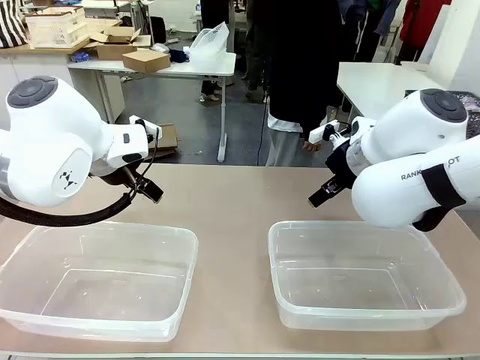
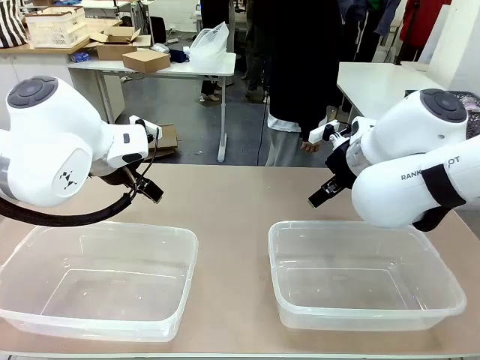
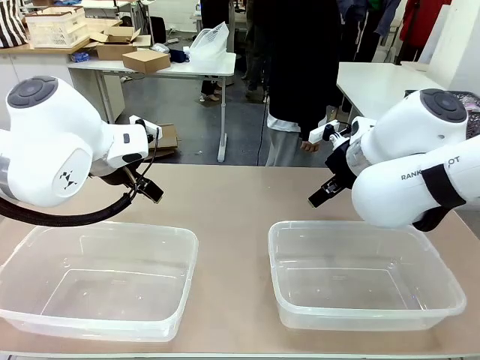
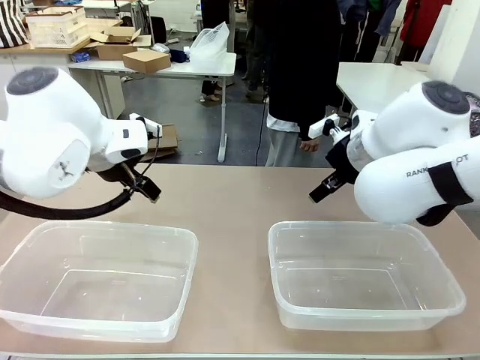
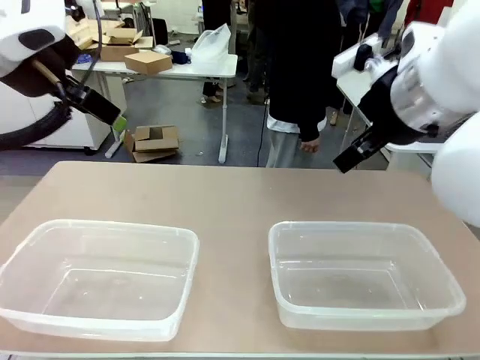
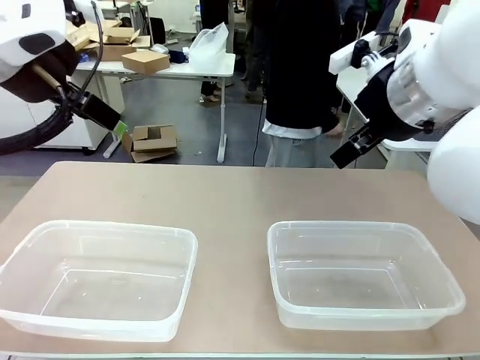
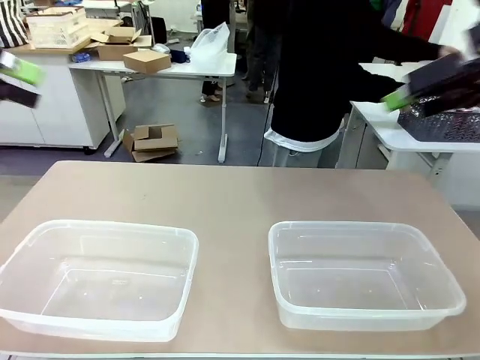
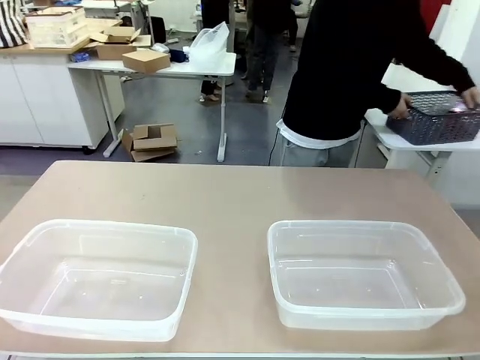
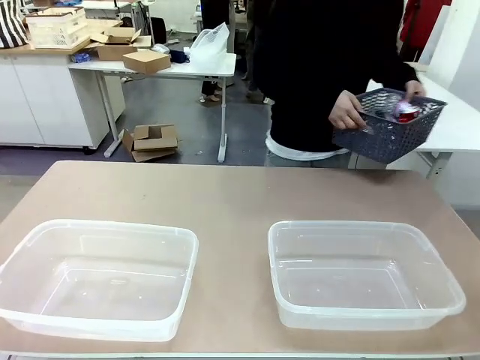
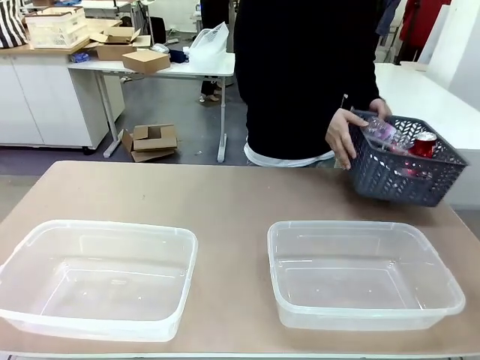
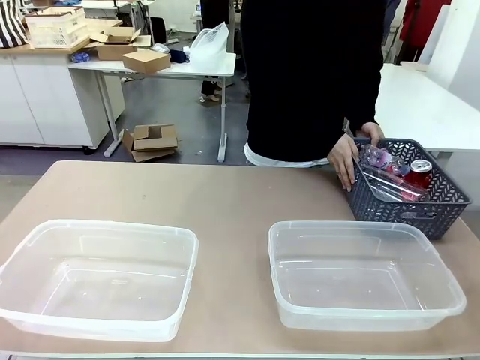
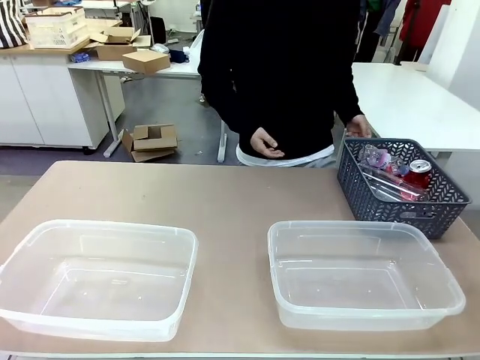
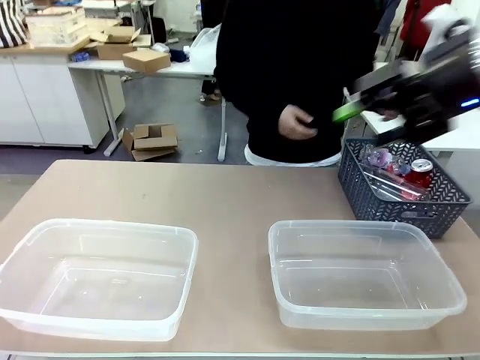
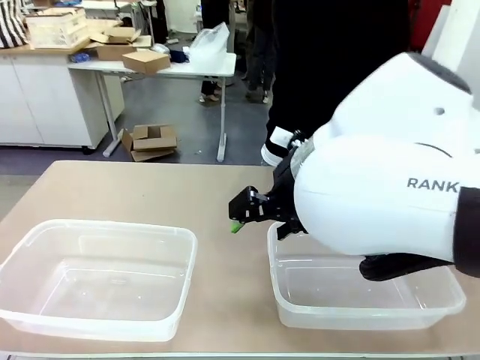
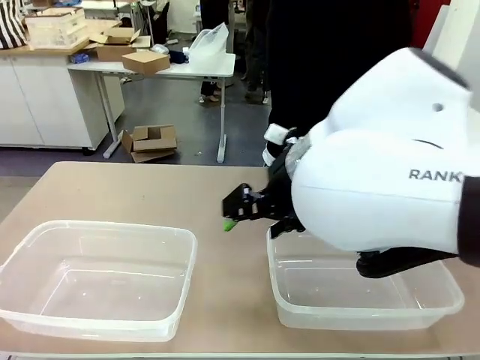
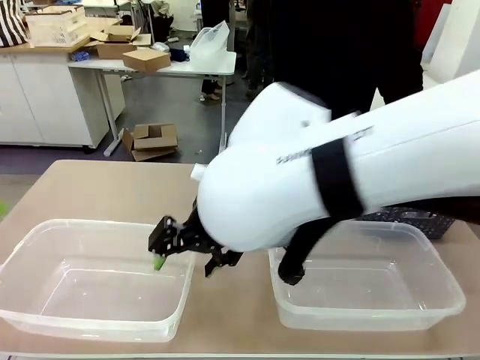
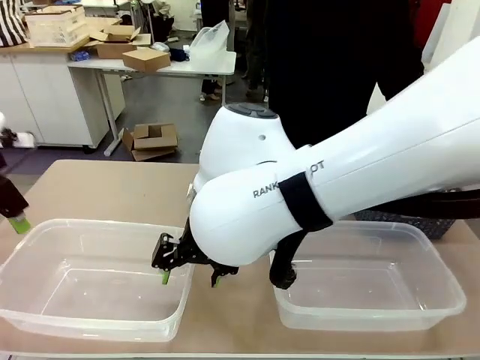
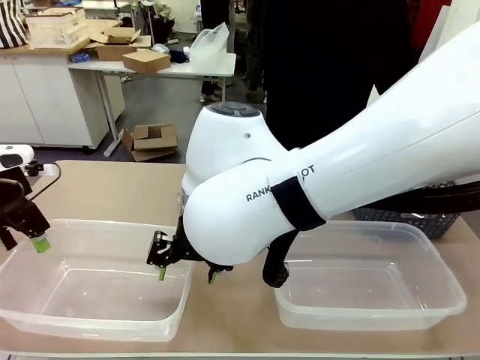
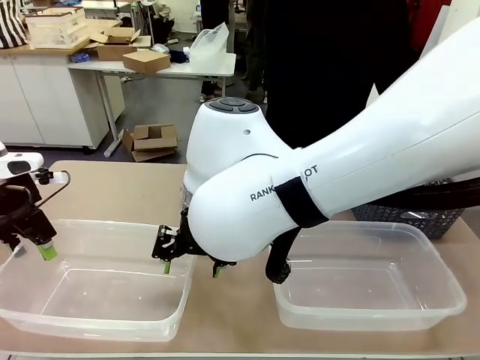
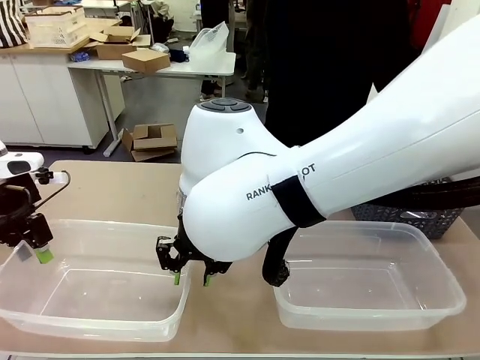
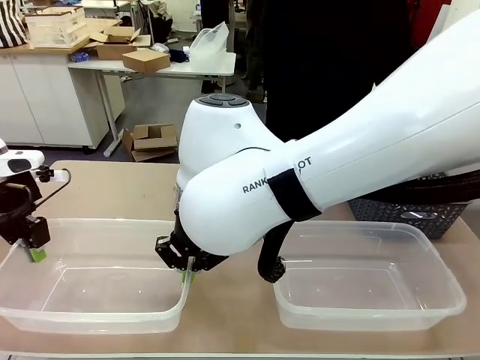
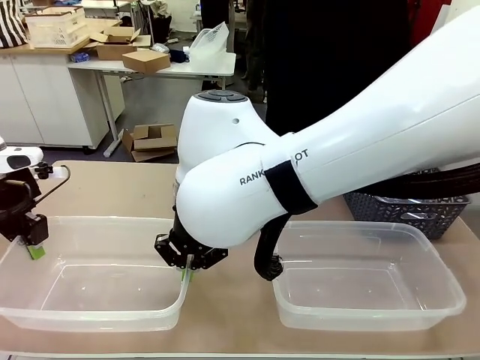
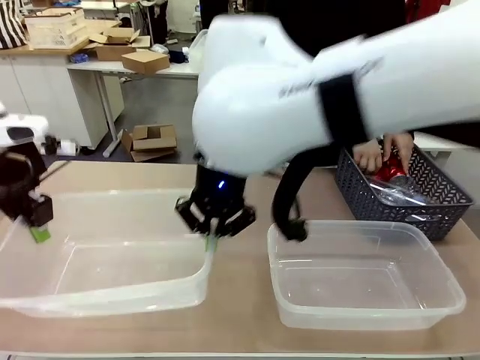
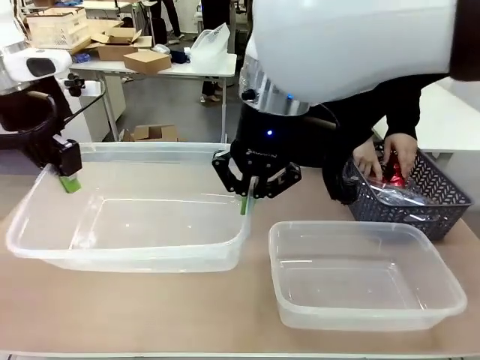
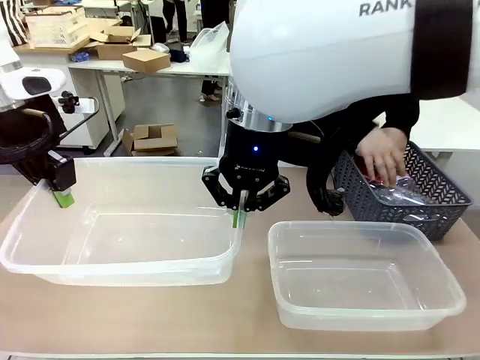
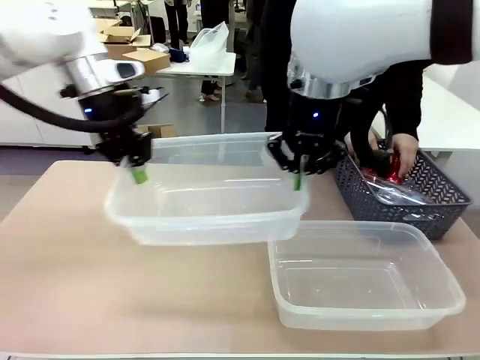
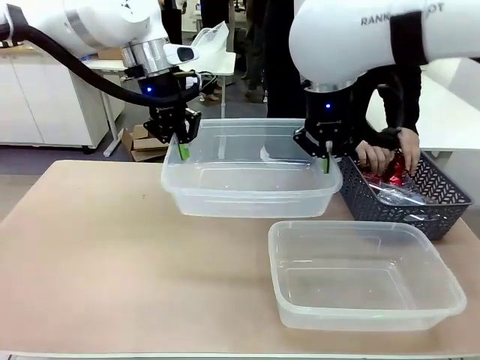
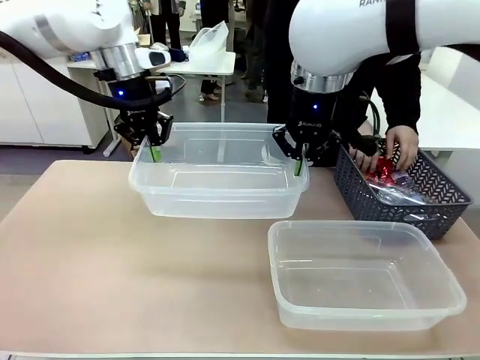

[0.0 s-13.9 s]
Robot: Pick up the Organizing box on the left side of the table and lift it.
Person: Pick up the storage basket and place it on the left side of the robot table. Pick up can-shaped waste one by one and place it into the organizing box lifted by the robot.

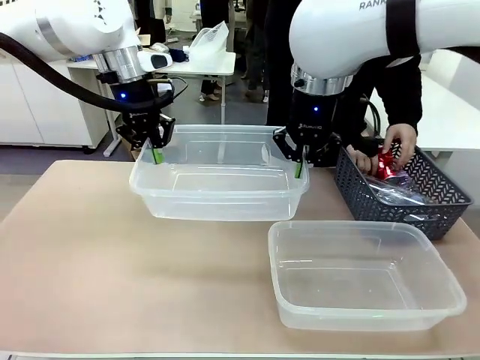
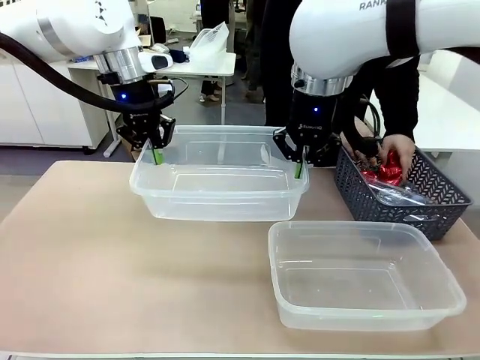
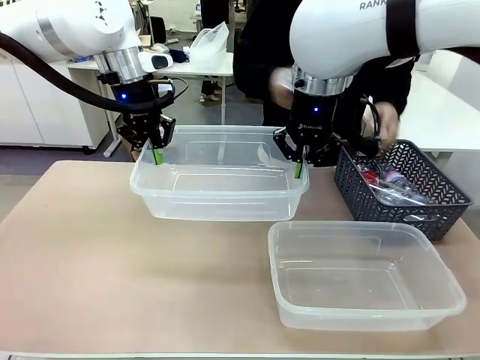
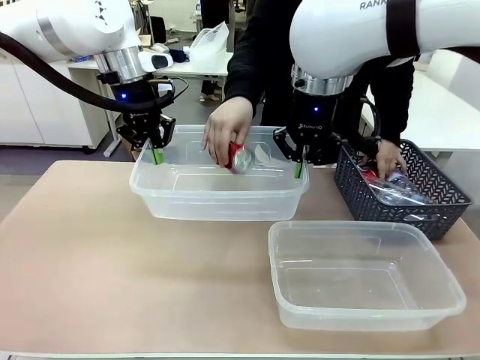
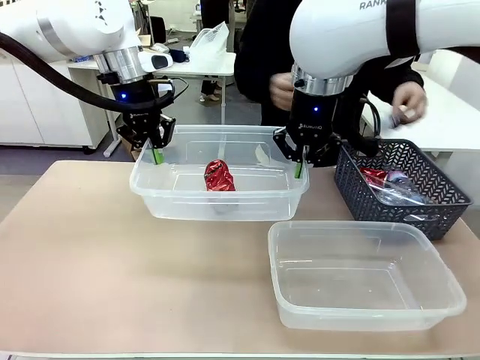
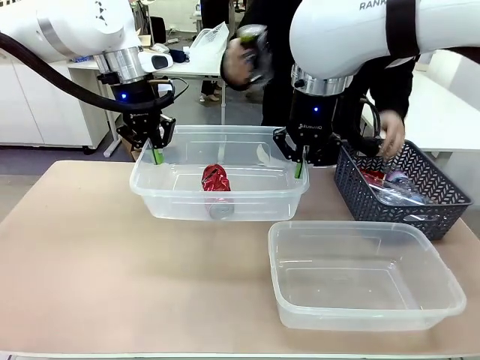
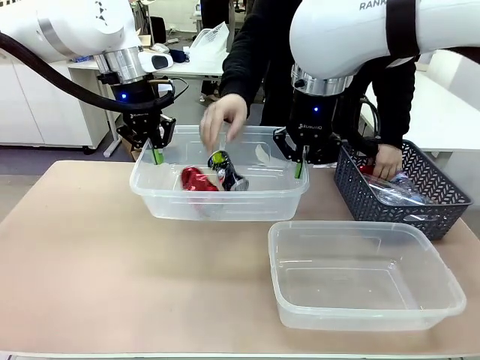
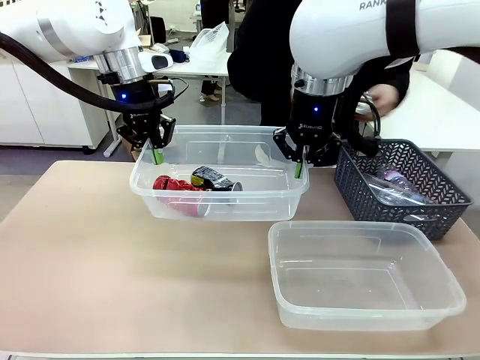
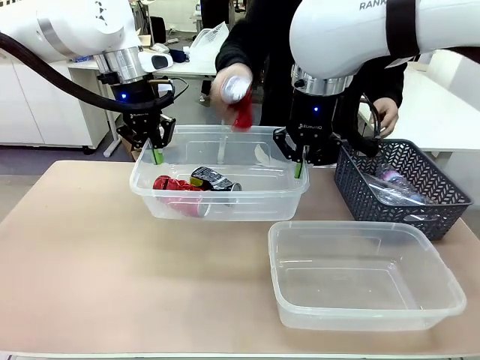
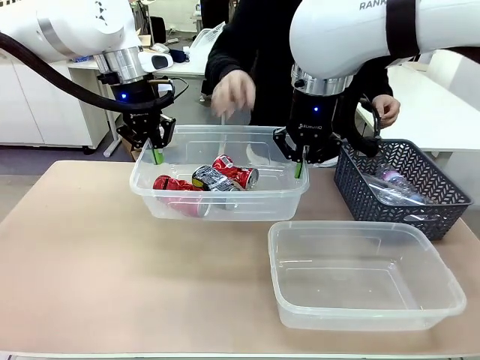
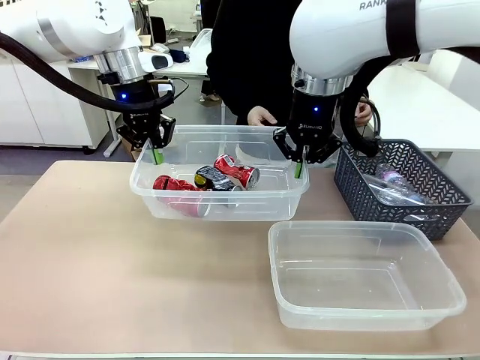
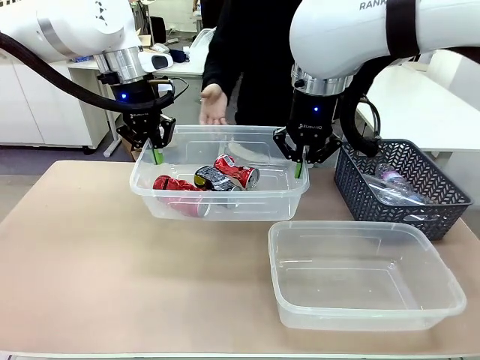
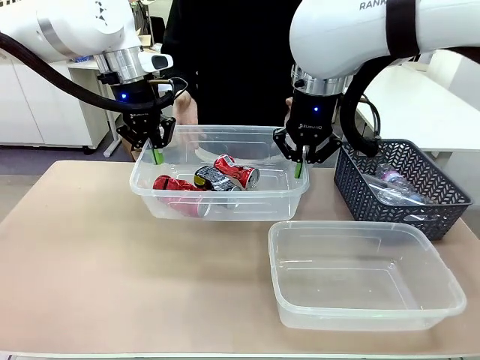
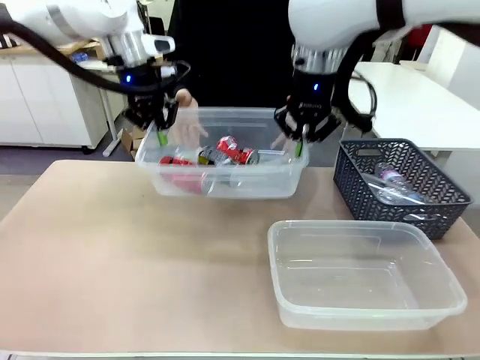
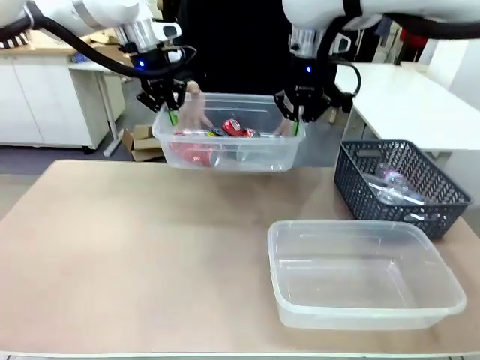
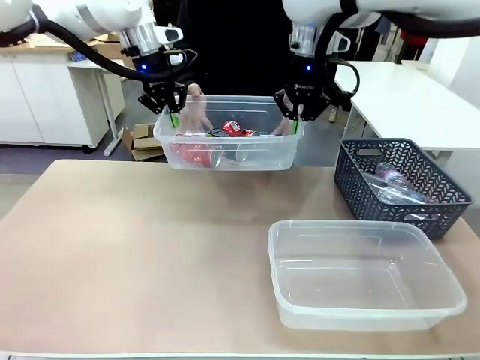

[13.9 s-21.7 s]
Robot: Offer the picked Organizing box to the human.

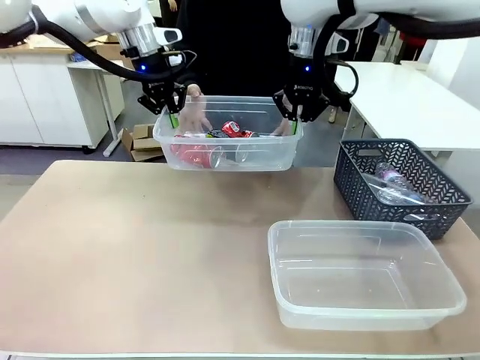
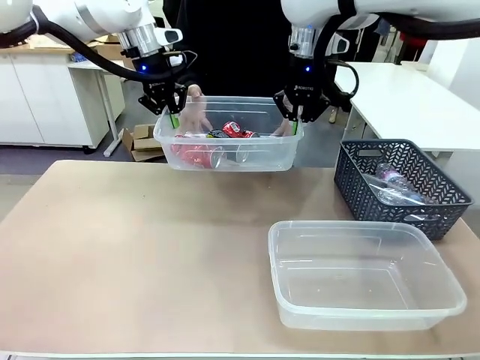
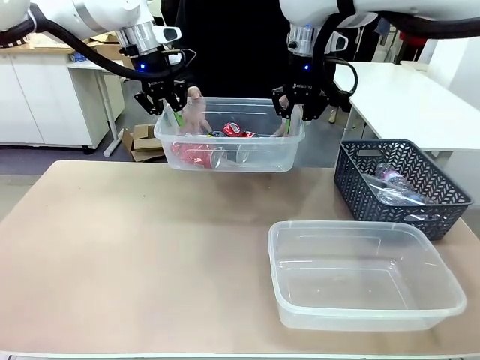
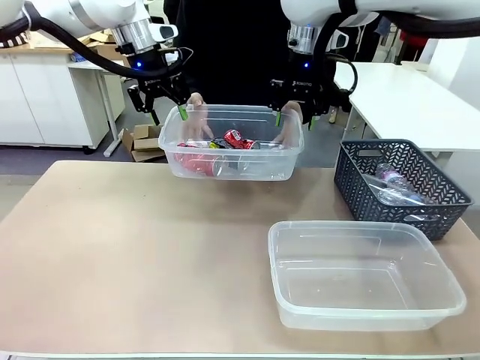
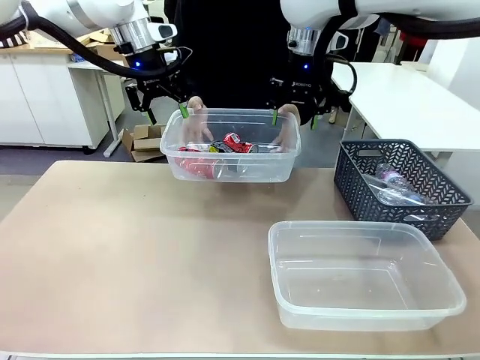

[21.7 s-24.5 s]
Robot: Release the Organizing box you were holding.
